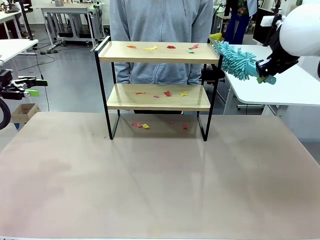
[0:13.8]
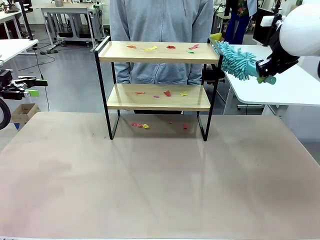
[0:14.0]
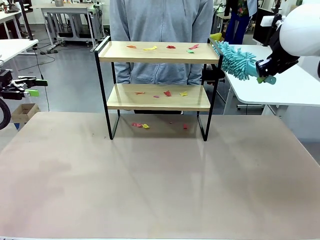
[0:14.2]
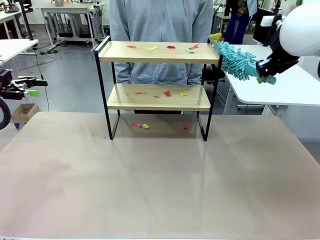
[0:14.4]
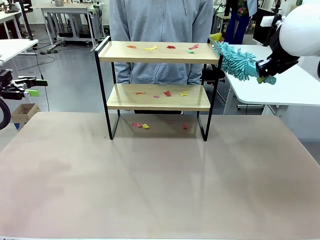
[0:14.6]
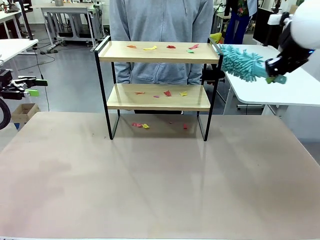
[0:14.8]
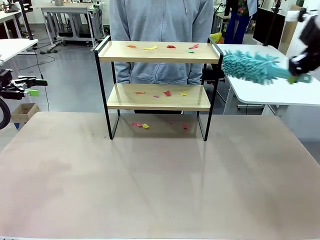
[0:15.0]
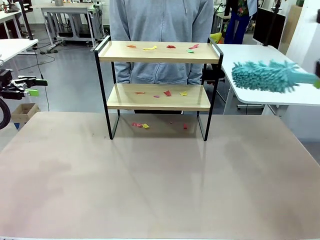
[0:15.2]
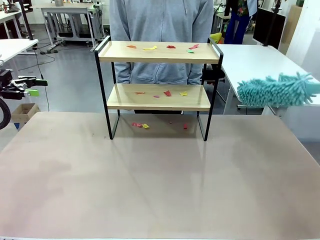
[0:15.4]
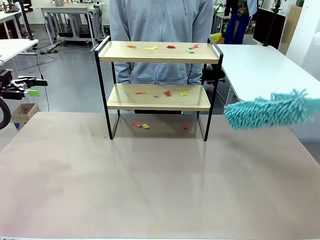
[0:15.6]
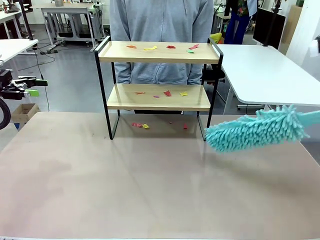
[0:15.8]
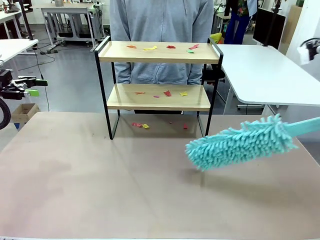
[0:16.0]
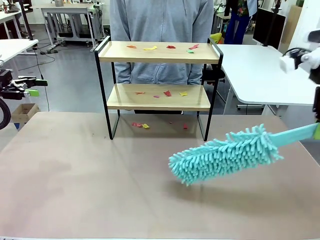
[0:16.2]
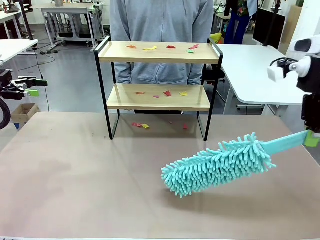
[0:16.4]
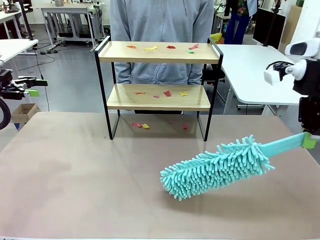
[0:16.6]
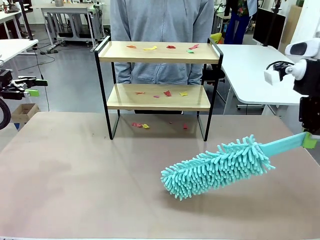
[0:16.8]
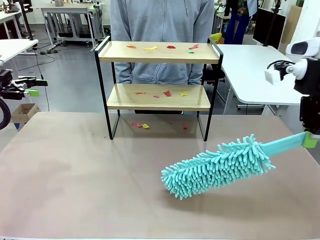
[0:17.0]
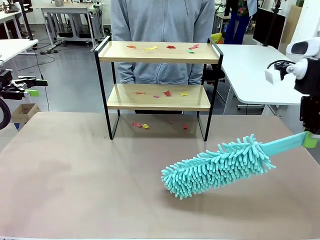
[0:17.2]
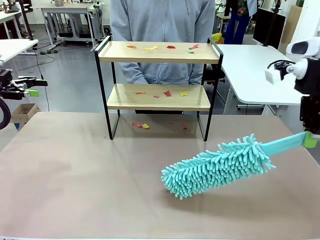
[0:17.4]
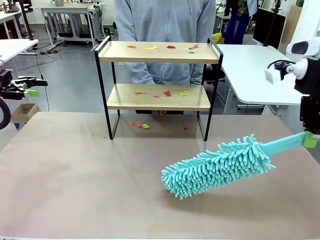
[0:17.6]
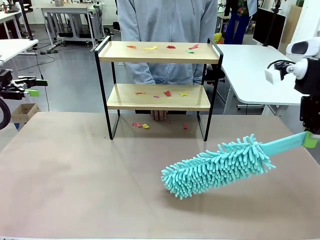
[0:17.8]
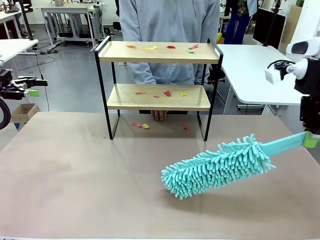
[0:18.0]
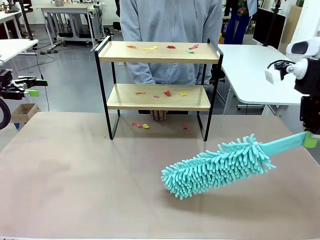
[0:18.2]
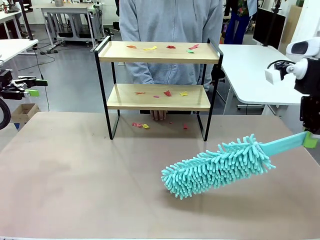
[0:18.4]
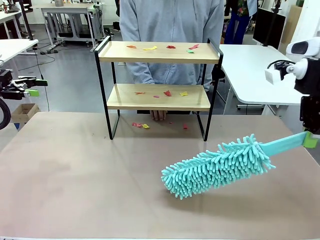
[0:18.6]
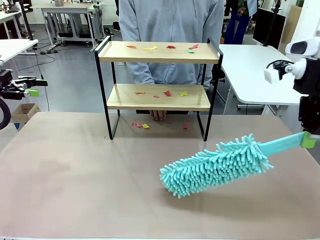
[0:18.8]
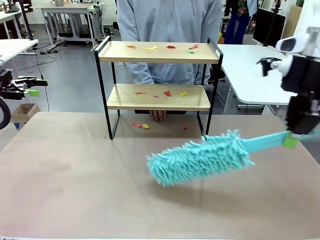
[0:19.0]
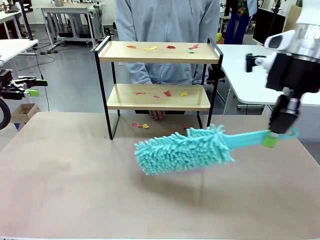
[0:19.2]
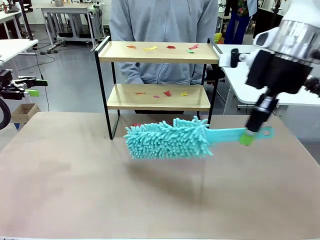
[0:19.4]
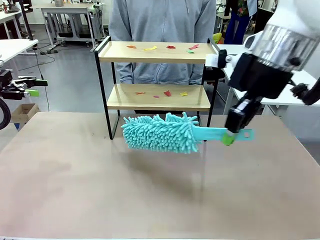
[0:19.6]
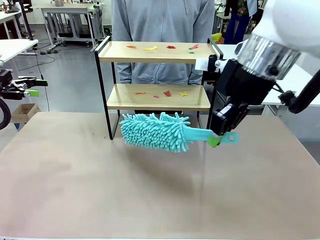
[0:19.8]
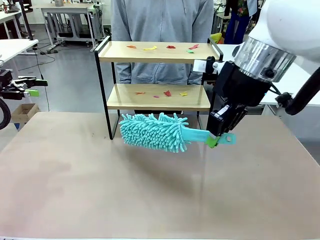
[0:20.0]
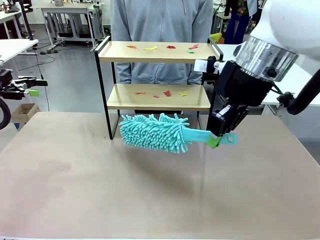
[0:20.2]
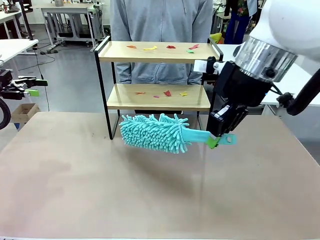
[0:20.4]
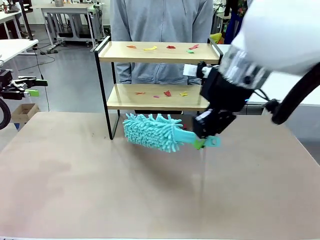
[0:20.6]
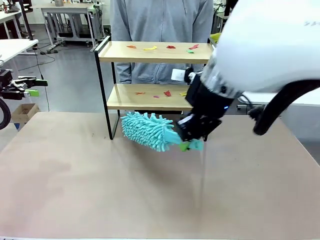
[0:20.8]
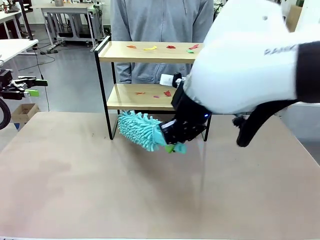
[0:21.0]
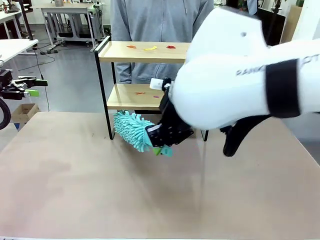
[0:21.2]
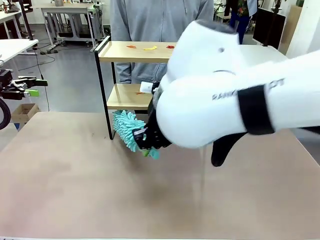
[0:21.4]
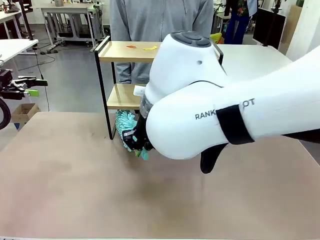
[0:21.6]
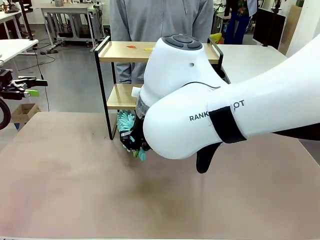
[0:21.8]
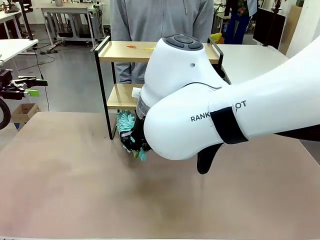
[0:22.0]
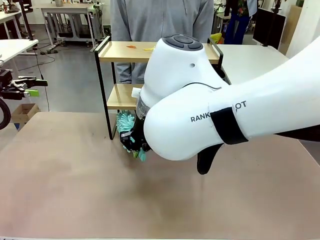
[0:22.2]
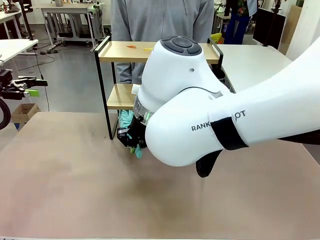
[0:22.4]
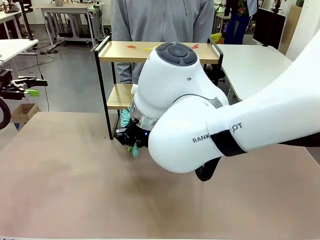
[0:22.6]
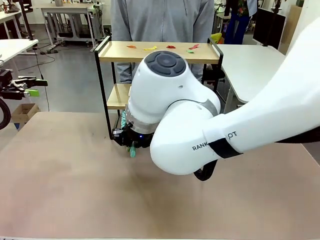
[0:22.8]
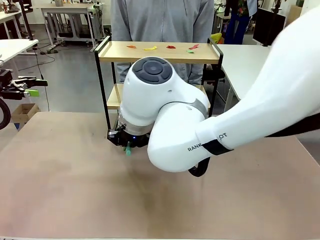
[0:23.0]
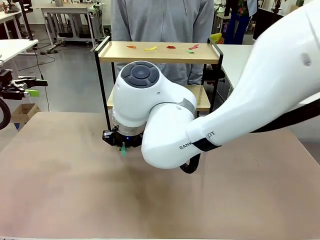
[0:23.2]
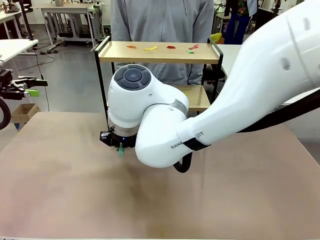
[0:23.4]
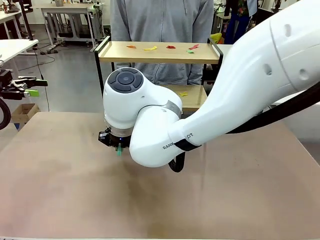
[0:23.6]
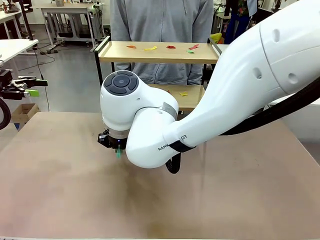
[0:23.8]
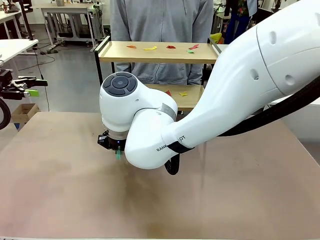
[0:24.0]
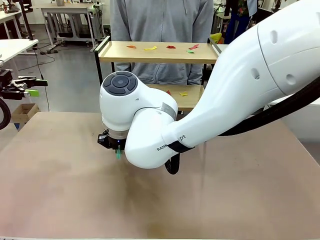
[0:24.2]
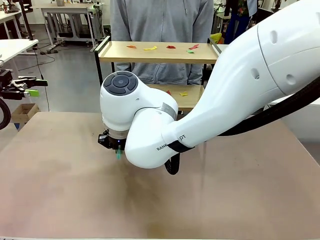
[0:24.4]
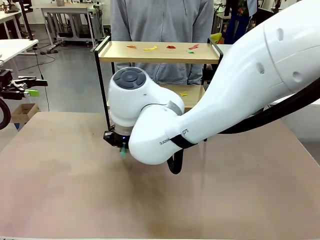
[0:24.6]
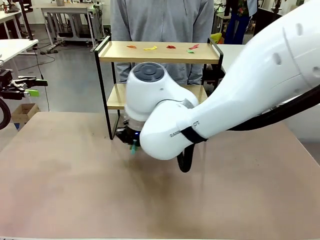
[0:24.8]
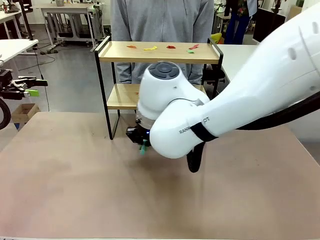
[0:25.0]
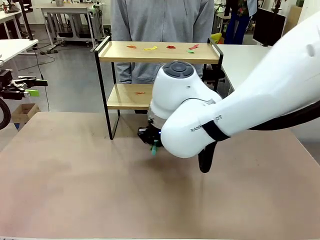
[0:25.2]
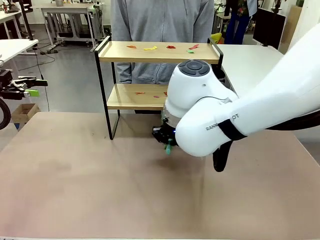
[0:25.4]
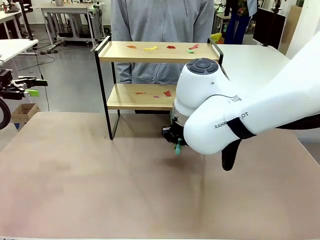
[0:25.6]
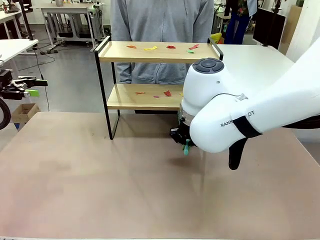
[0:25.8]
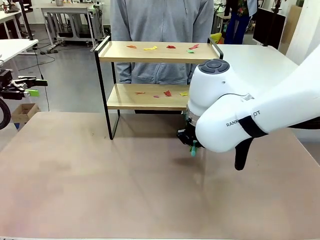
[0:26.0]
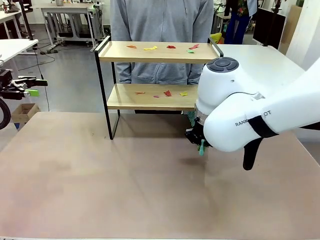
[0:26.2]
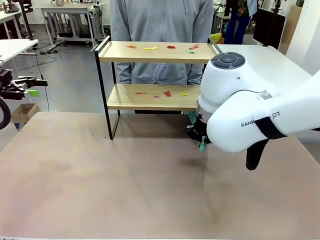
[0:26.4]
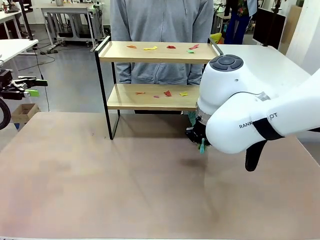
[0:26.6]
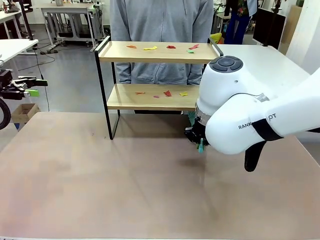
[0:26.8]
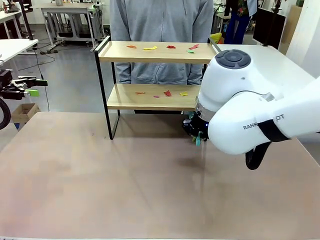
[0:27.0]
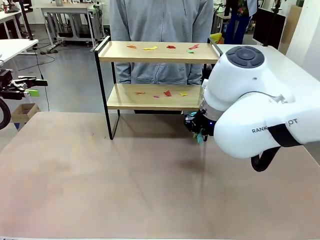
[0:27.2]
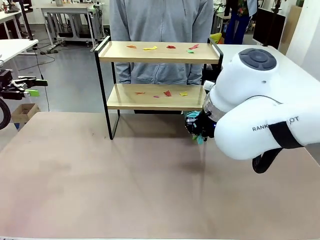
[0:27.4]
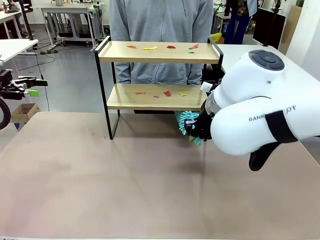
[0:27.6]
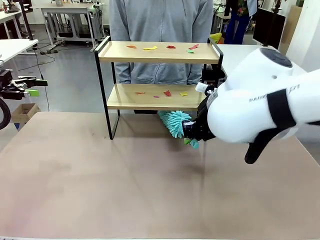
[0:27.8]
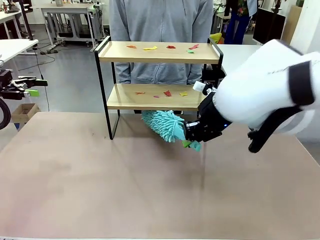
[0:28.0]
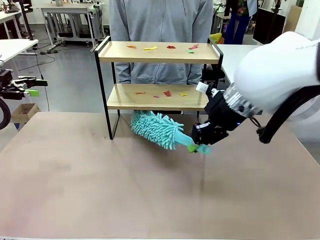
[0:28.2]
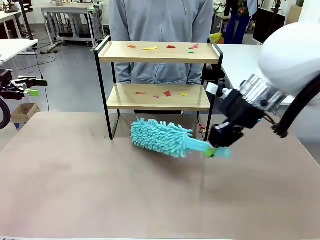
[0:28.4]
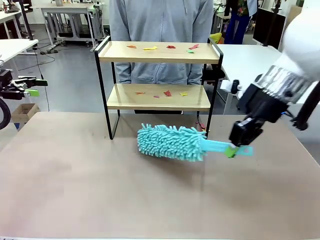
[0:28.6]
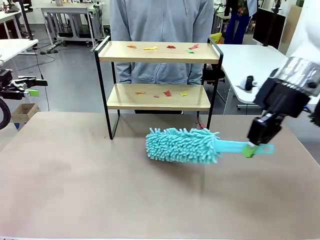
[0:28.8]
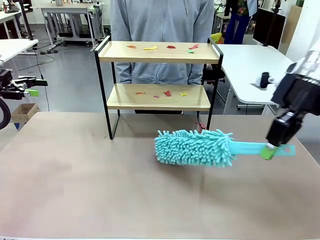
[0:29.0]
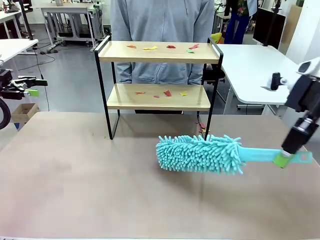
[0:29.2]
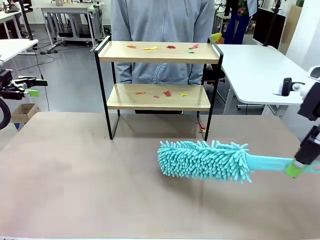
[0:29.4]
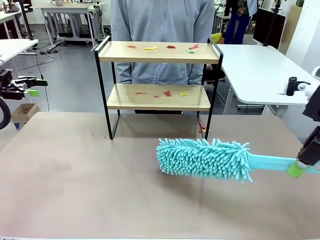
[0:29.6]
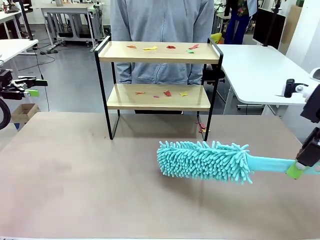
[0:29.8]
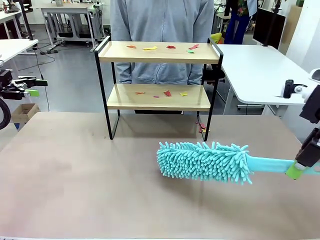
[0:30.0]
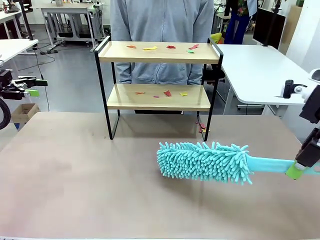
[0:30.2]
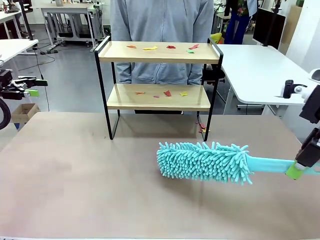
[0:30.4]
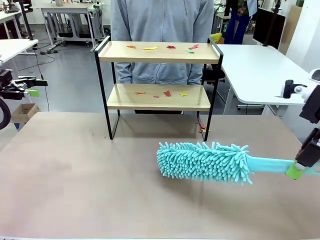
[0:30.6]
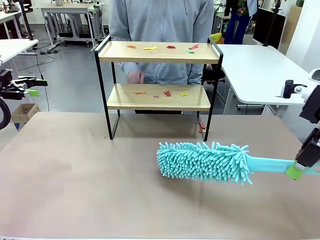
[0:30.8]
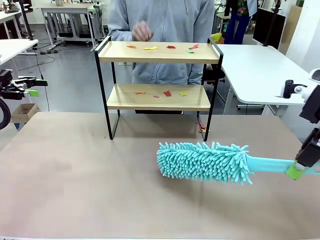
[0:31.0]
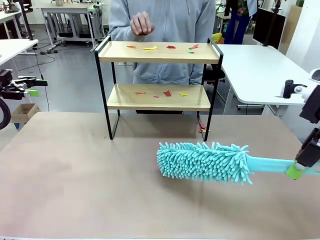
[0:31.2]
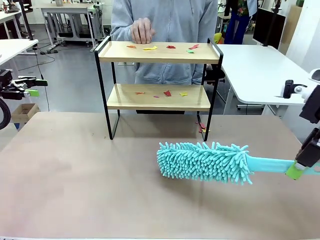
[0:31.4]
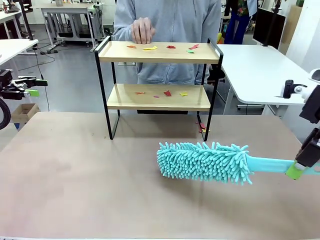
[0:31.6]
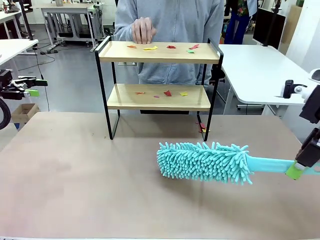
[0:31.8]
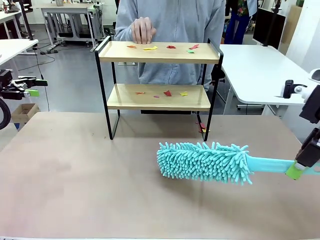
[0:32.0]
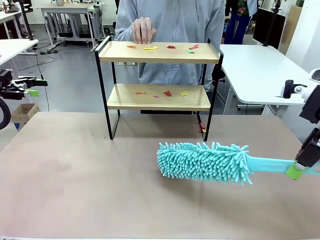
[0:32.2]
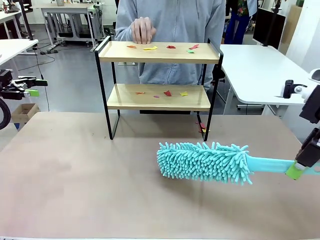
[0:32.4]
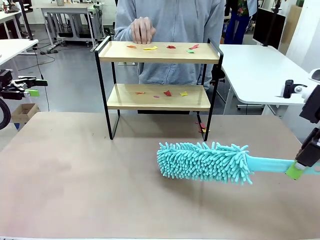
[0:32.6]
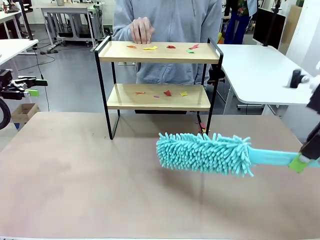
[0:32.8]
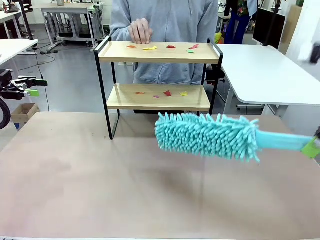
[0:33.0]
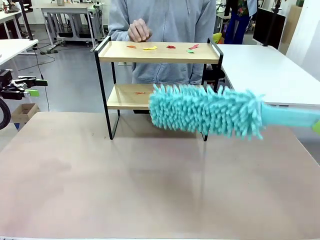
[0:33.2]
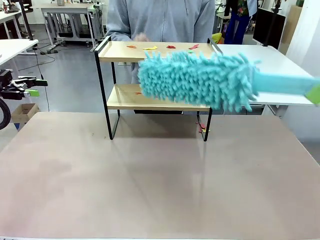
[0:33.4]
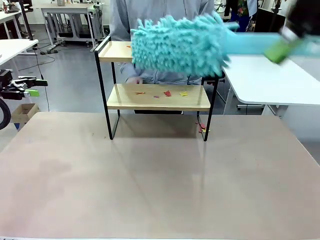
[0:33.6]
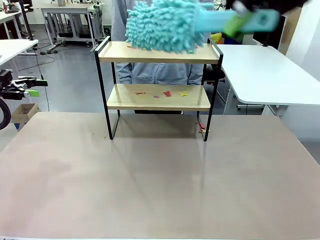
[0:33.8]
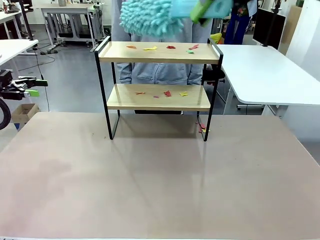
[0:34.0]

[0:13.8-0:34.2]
Task: Clean the shelf.
Robot: Clean the specific section of the Shelf indicated by the human with the Duster.
Person: Point a random section of the Shelf.
